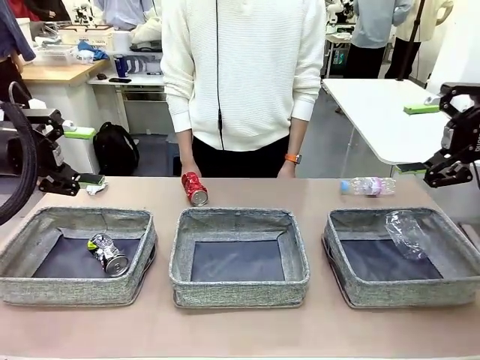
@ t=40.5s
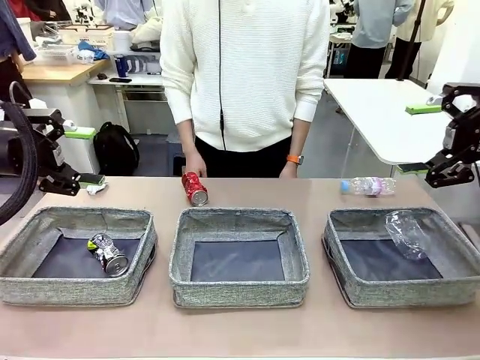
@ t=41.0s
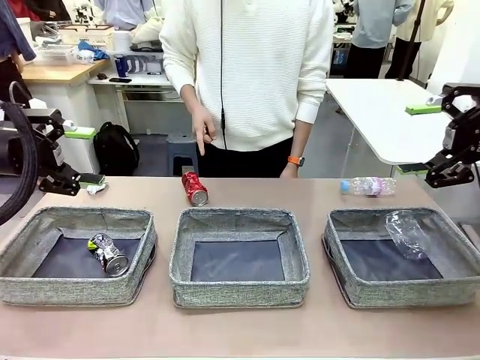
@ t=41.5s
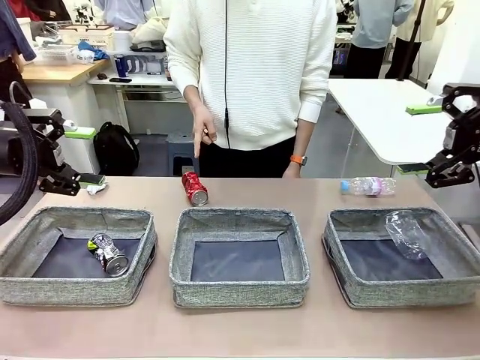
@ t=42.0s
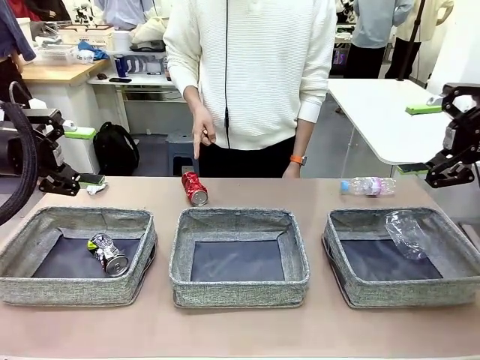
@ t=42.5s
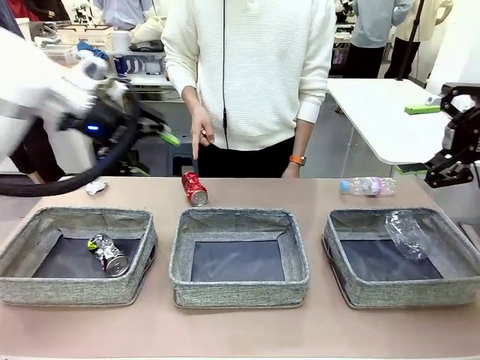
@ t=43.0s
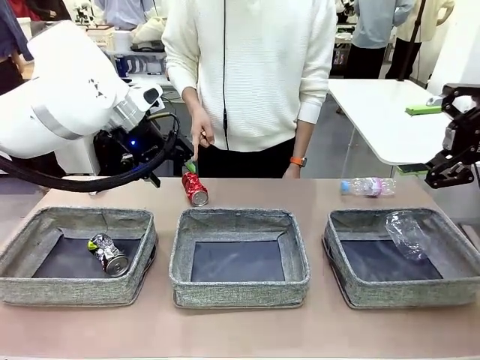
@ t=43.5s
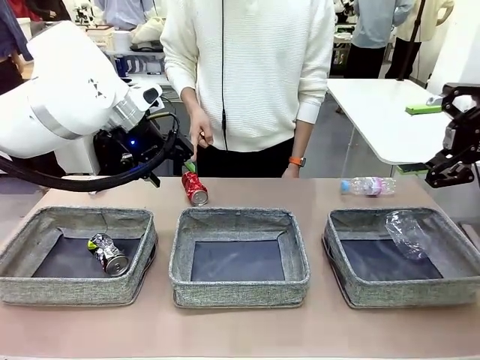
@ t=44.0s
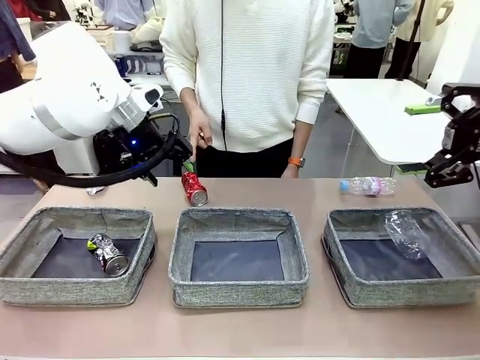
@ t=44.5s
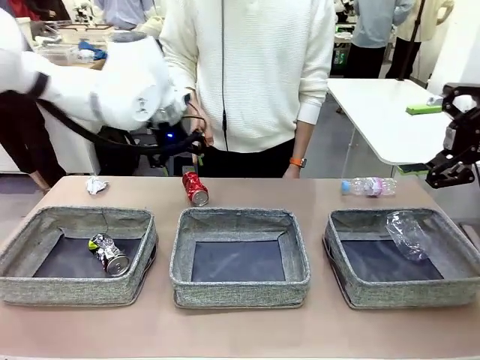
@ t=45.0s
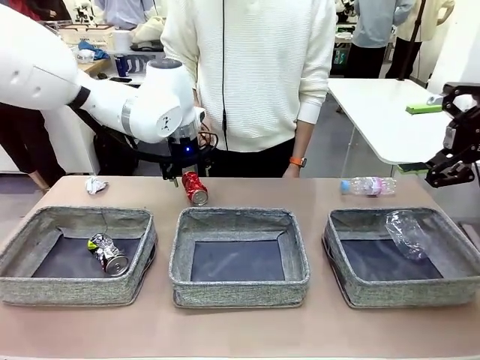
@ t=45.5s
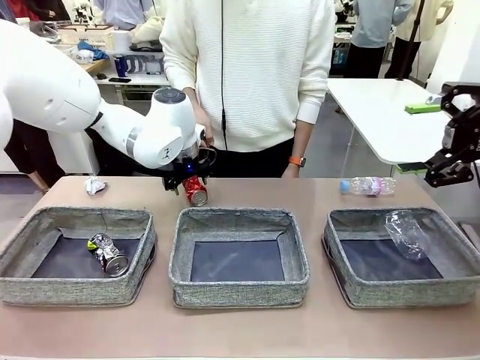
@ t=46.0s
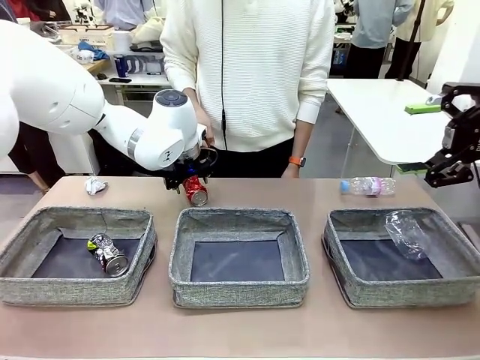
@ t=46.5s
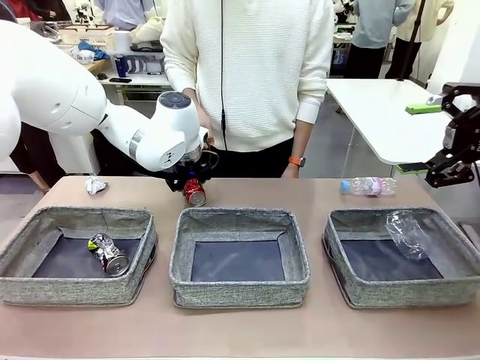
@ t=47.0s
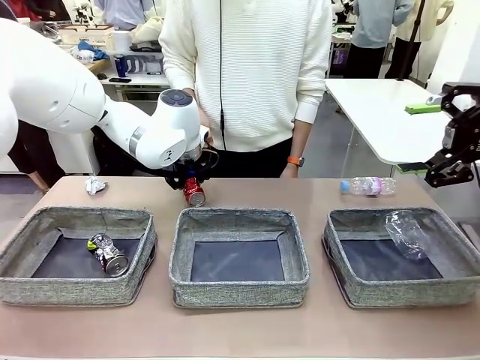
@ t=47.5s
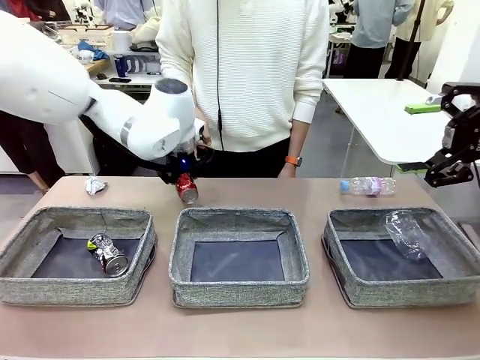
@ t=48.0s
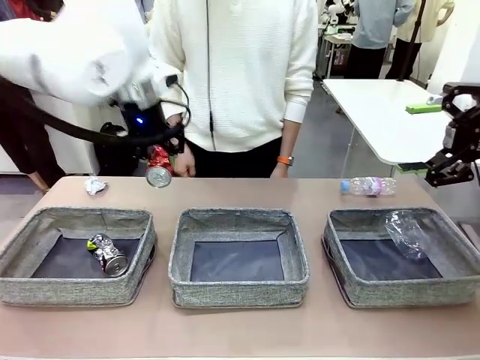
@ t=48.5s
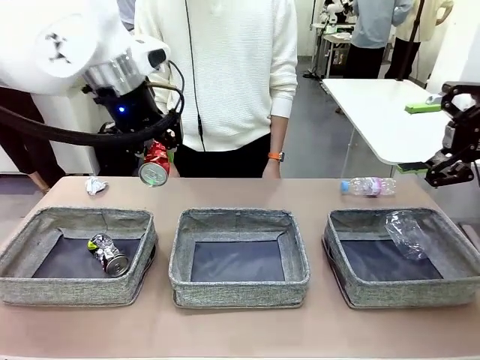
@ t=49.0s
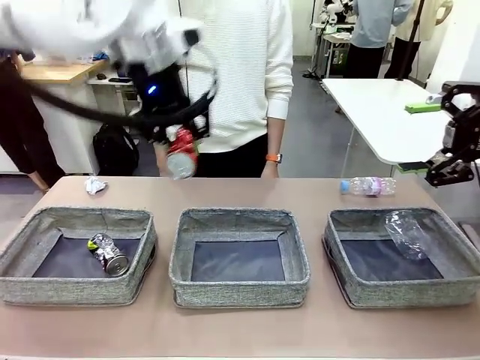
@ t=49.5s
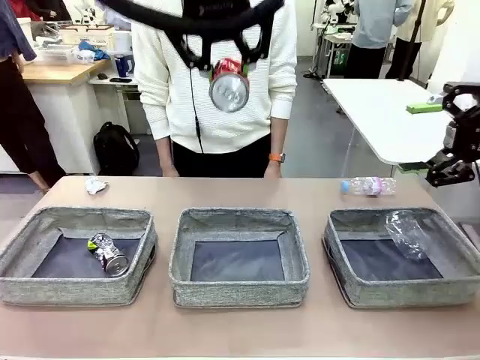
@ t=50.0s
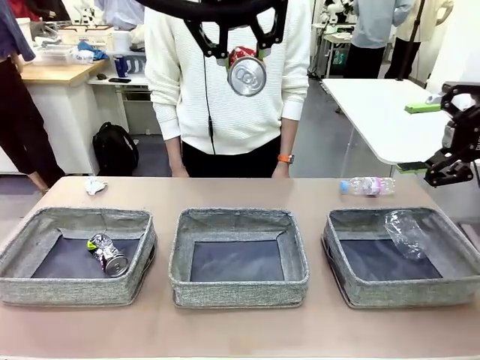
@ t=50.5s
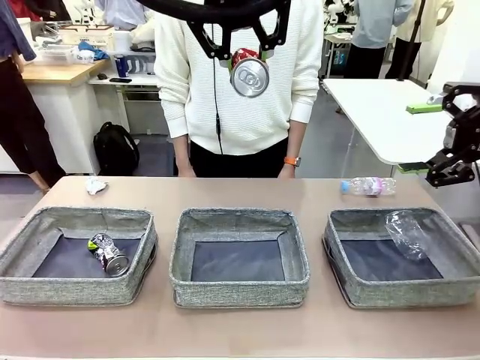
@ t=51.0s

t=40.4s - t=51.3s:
Task: Sort the waste into the appropriate baskets.
Robot: Pick up the waste item pointed out by the person.
Person: Points to one piece of trash on the table.

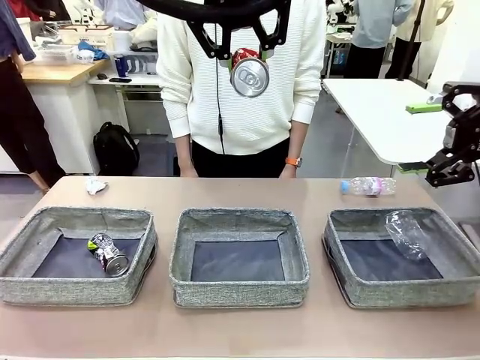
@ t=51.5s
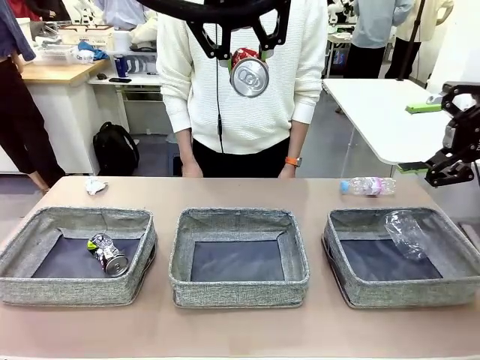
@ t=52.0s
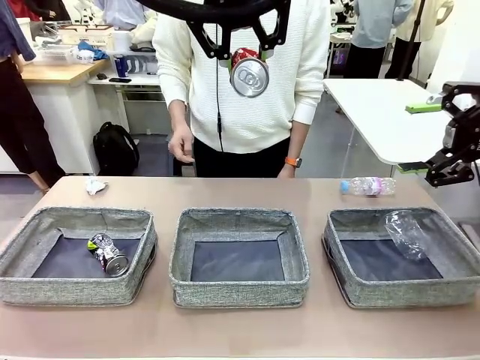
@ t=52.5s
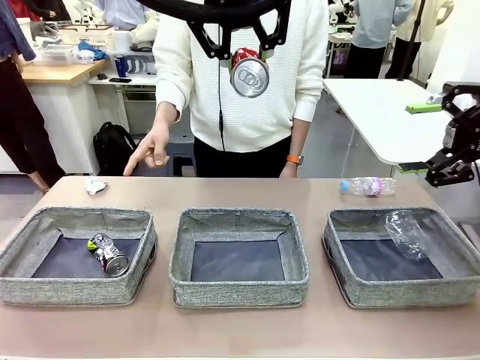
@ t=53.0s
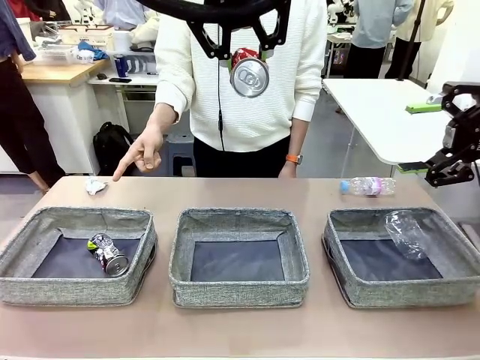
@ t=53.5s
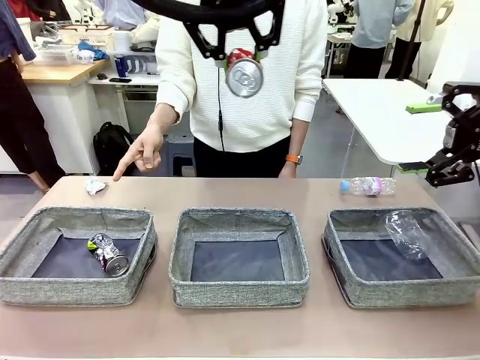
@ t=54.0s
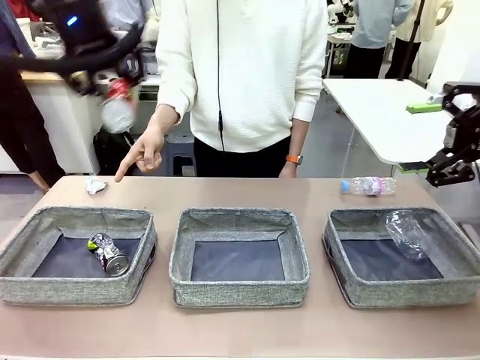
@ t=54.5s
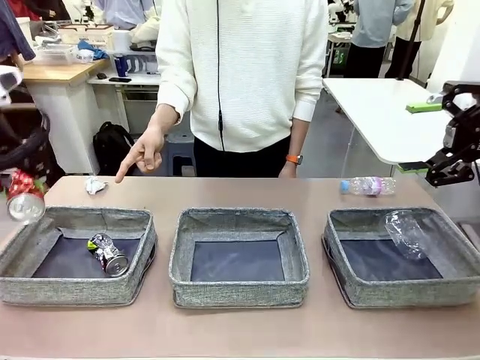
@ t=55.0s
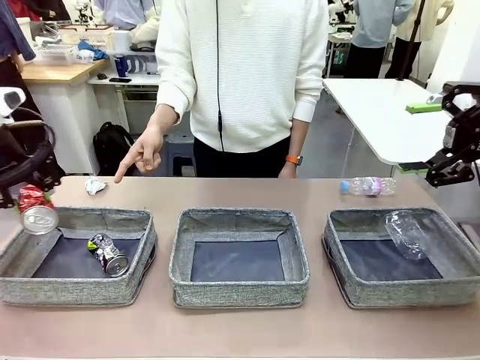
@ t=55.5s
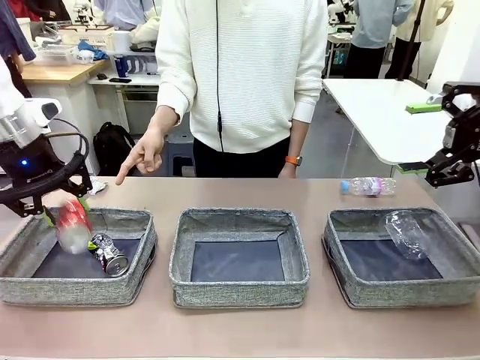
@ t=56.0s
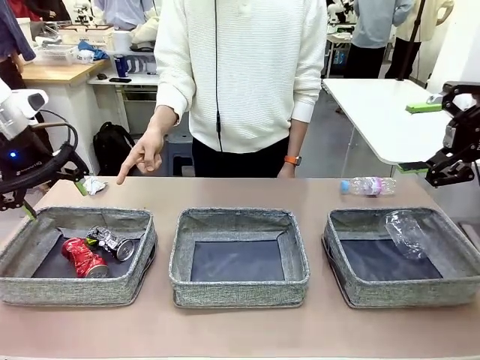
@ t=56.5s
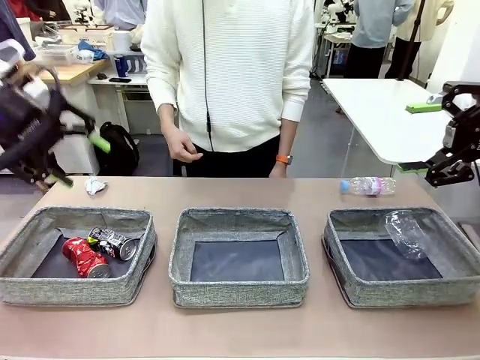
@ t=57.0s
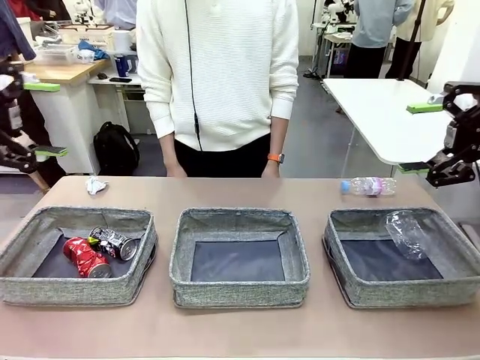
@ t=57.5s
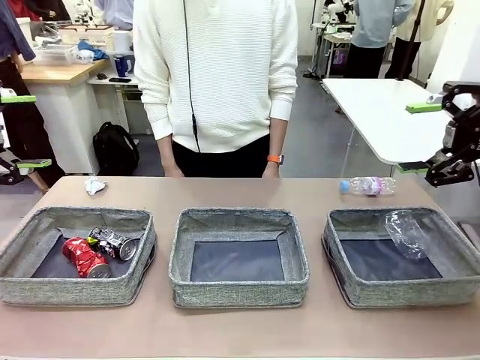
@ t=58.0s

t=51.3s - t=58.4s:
Robot: Place the picked waste into the Fabric basket indicated by the person.
Person: Instructs the robot to place the picked-up trash into the appropriate organizing basket.

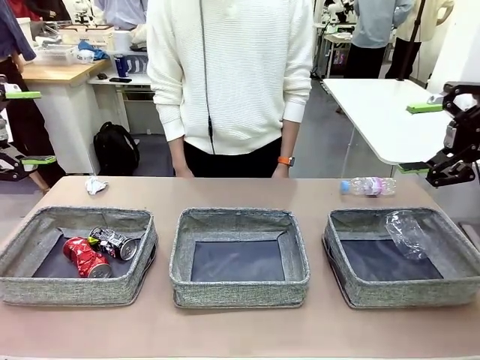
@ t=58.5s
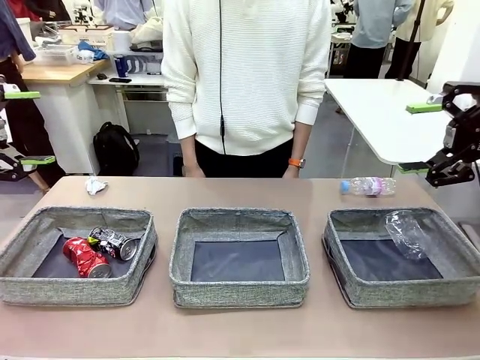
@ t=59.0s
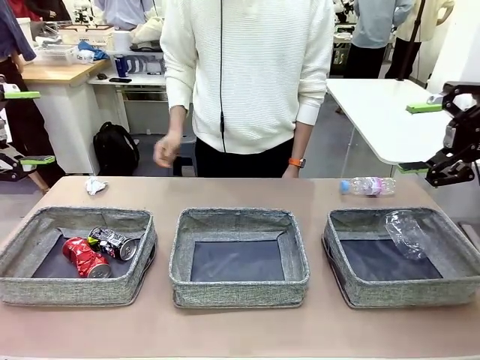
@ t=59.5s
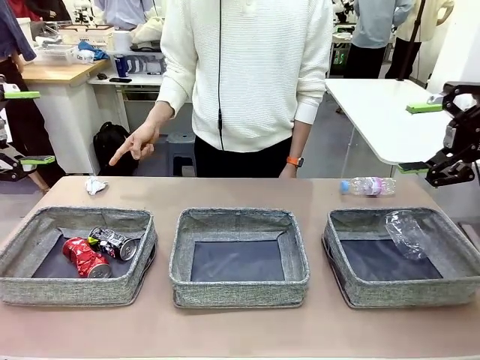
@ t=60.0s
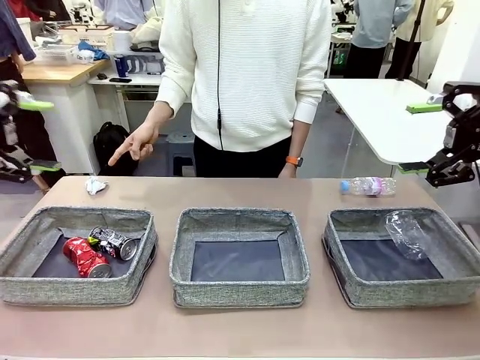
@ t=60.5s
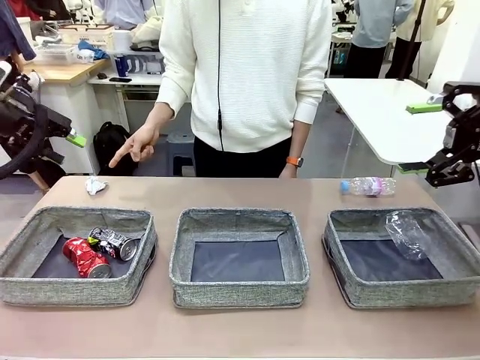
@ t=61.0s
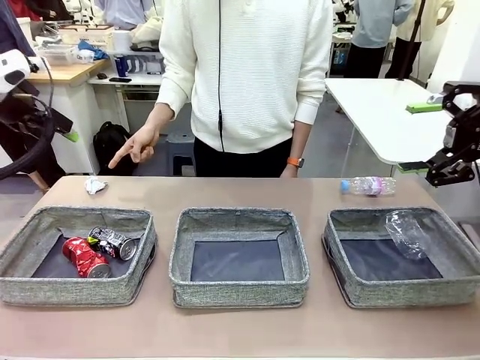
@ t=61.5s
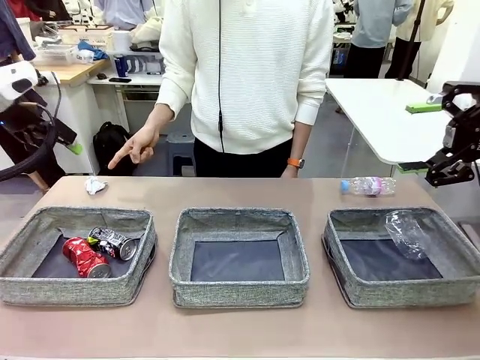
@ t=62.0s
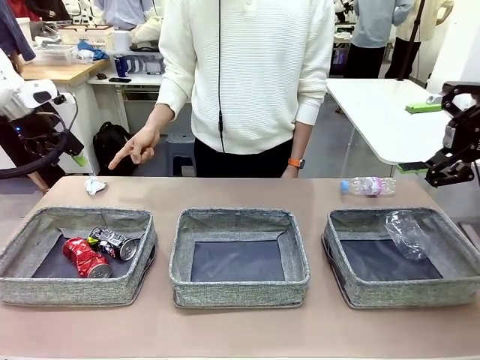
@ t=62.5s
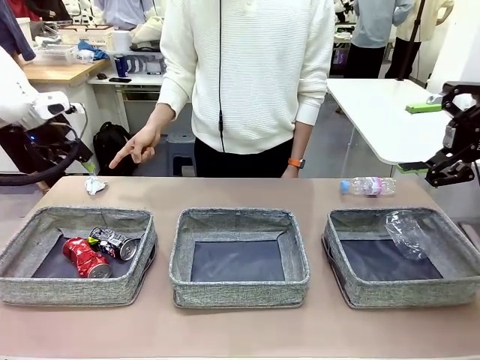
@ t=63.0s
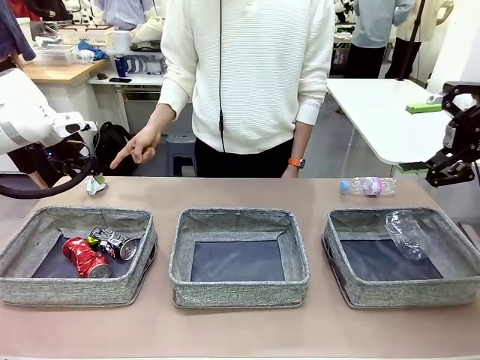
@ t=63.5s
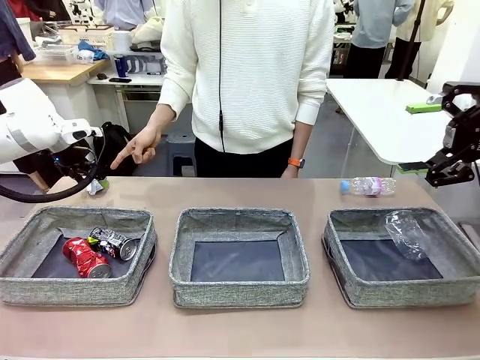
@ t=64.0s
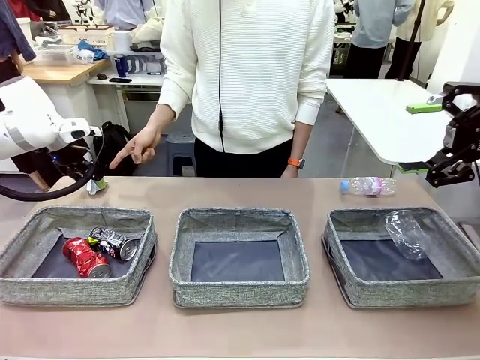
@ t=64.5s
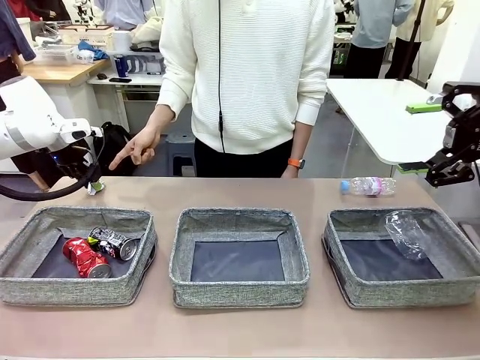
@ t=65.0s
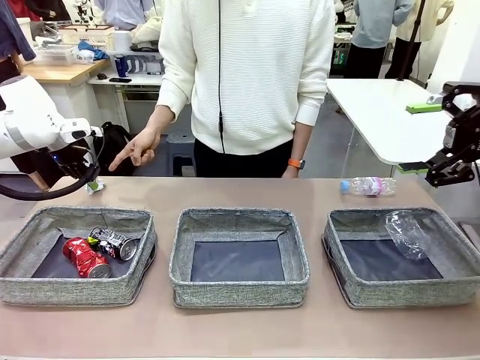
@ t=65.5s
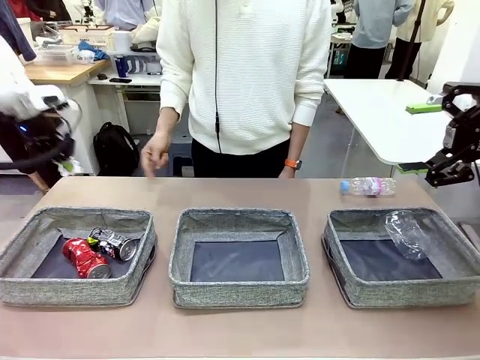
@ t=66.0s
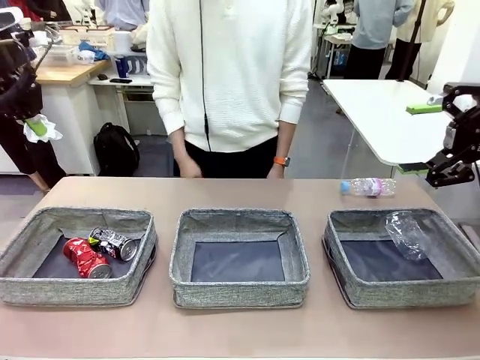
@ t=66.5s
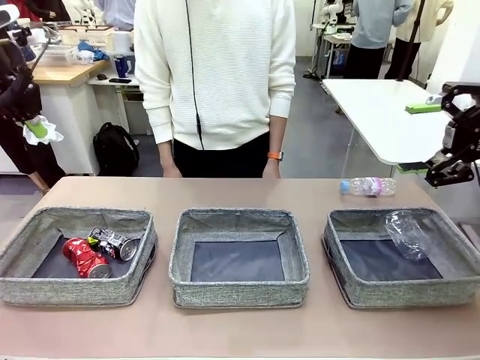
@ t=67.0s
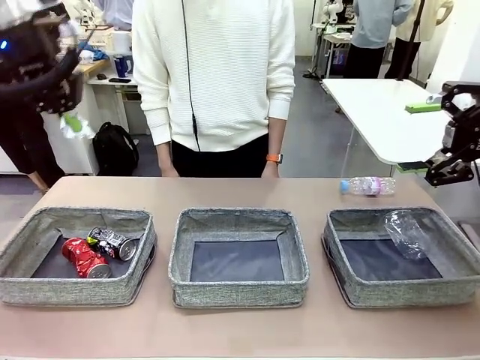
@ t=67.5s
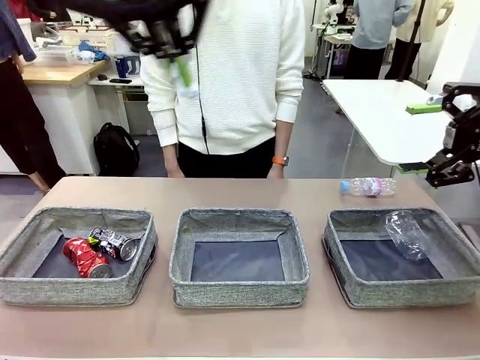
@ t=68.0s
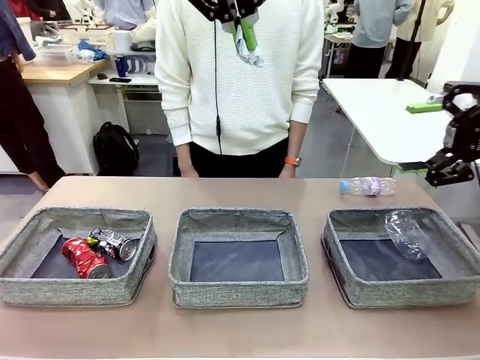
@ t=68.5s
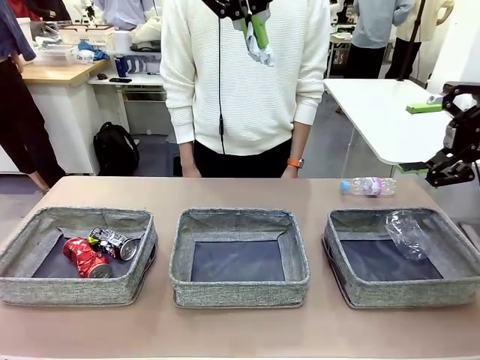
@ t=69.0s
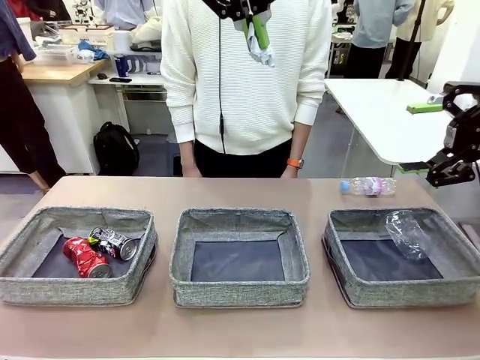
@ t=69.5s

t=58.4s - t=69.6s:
Robot: Pick up the waste item pointed out by the person.
Person: Points to one piece of trash on the table.
